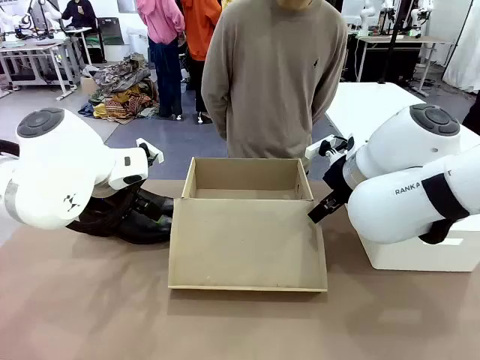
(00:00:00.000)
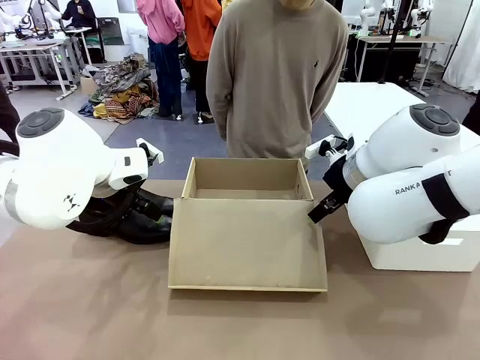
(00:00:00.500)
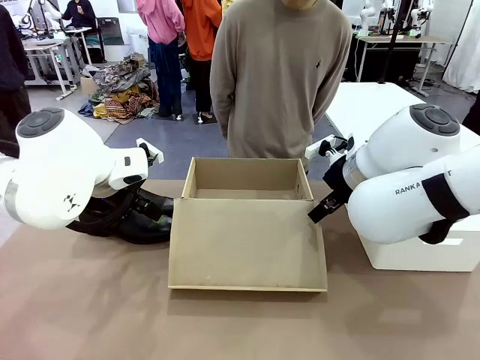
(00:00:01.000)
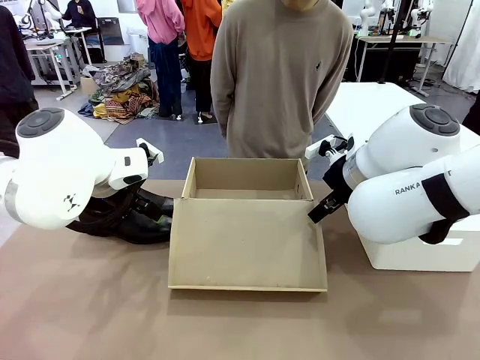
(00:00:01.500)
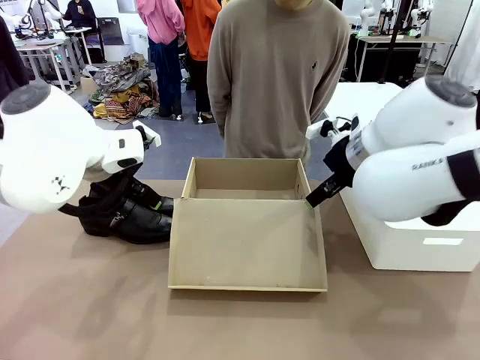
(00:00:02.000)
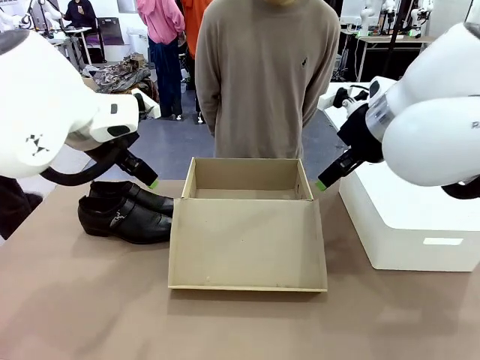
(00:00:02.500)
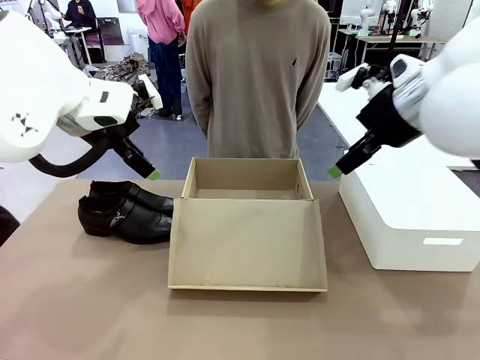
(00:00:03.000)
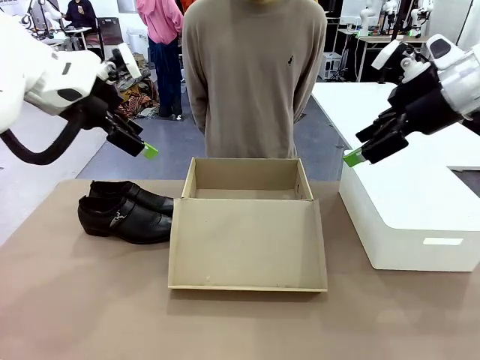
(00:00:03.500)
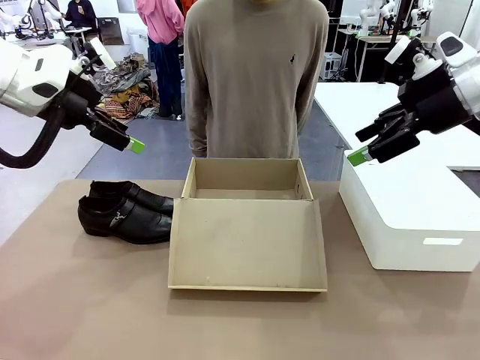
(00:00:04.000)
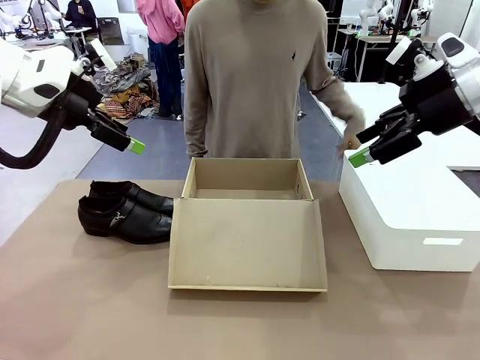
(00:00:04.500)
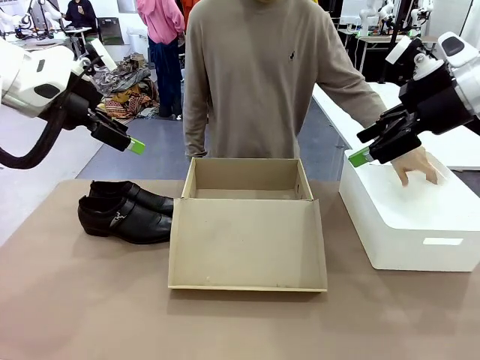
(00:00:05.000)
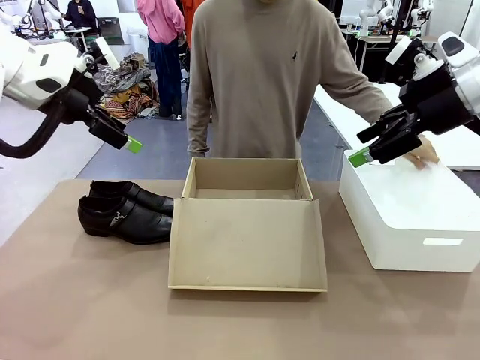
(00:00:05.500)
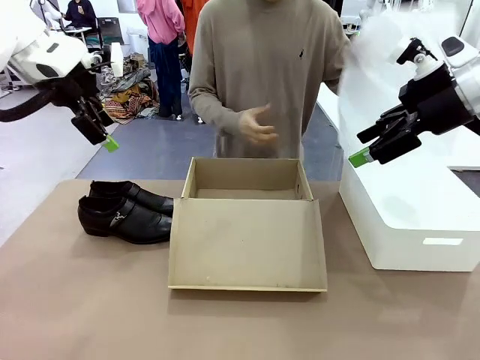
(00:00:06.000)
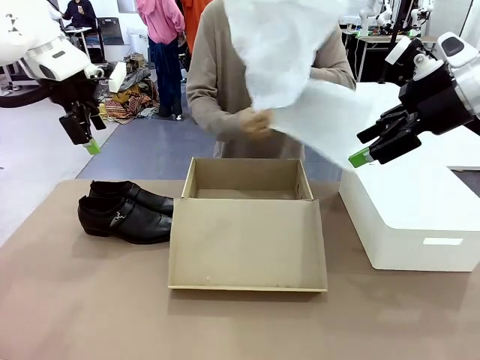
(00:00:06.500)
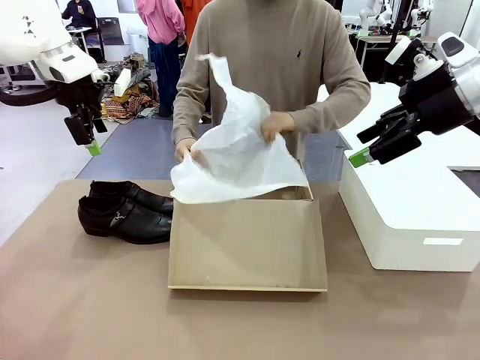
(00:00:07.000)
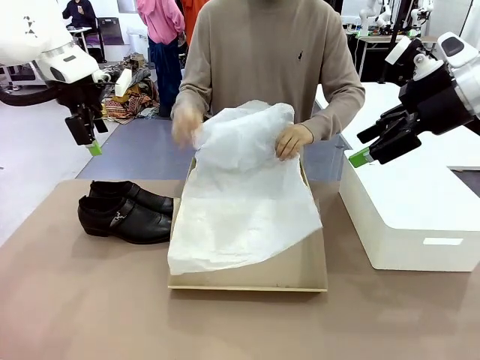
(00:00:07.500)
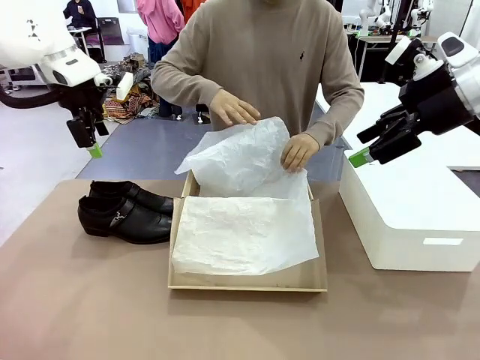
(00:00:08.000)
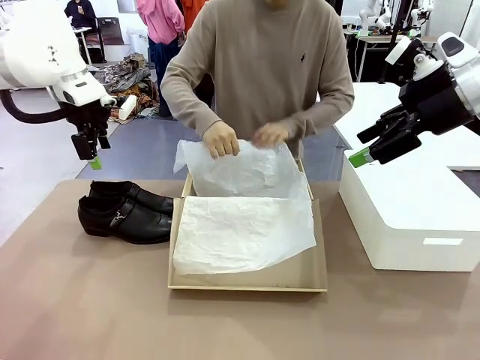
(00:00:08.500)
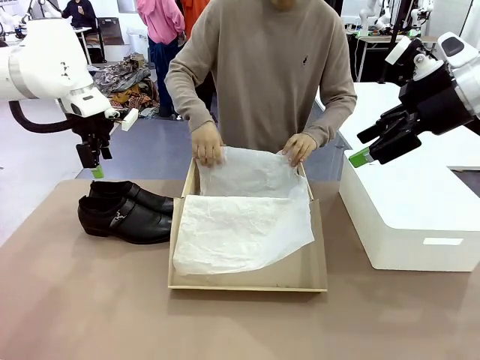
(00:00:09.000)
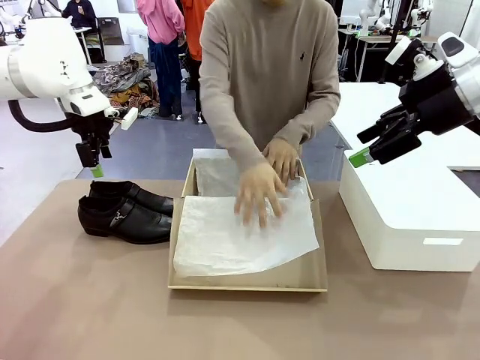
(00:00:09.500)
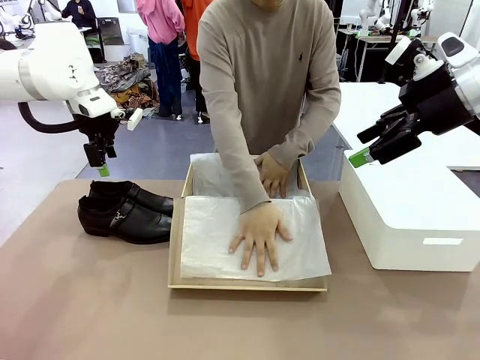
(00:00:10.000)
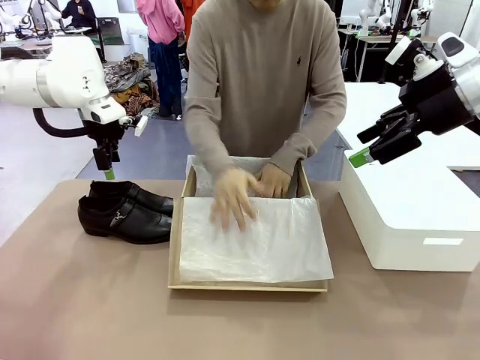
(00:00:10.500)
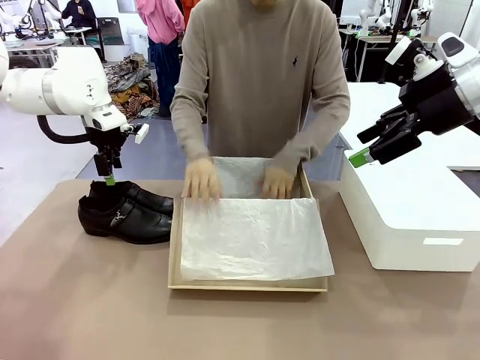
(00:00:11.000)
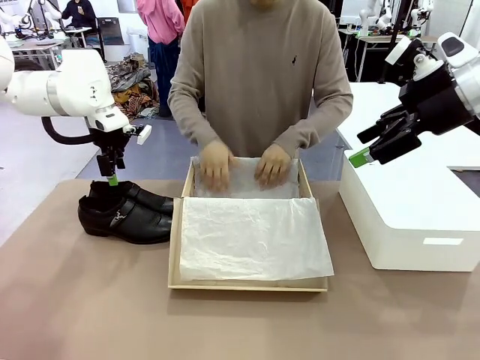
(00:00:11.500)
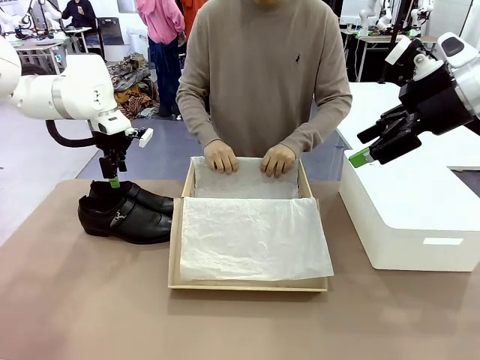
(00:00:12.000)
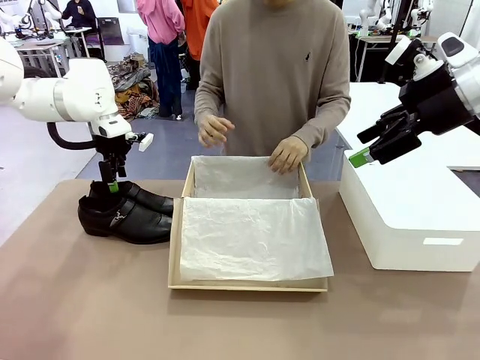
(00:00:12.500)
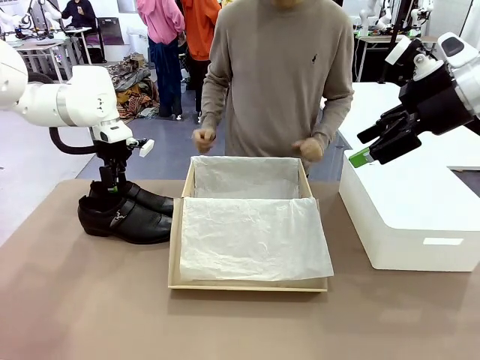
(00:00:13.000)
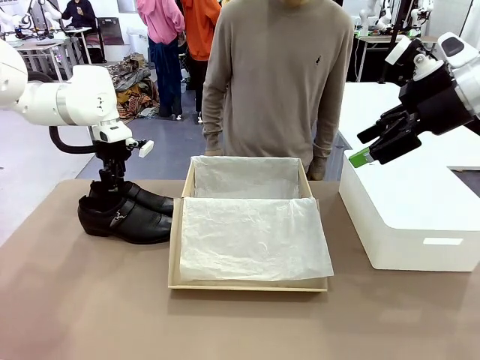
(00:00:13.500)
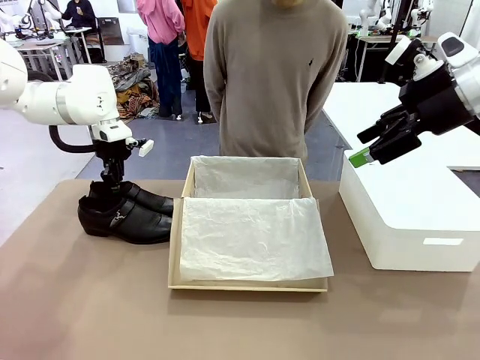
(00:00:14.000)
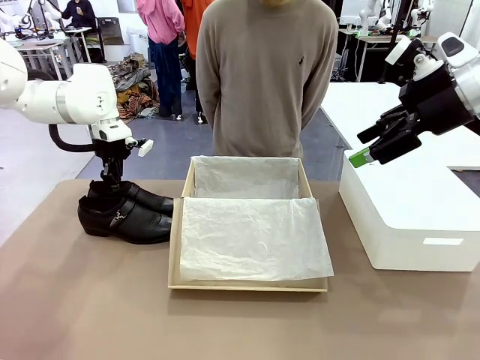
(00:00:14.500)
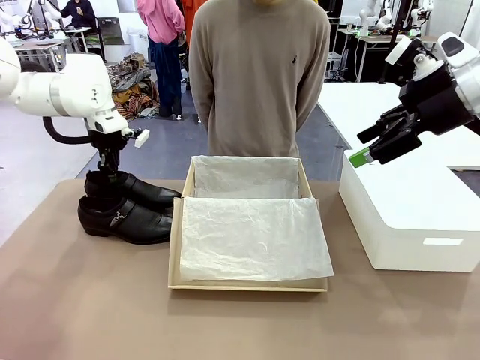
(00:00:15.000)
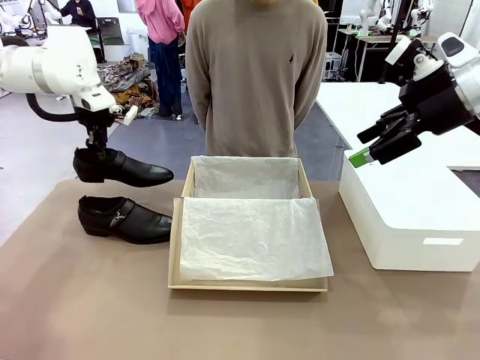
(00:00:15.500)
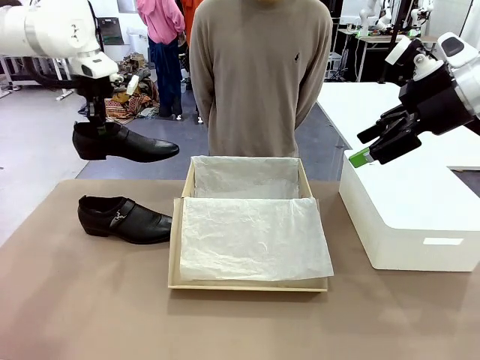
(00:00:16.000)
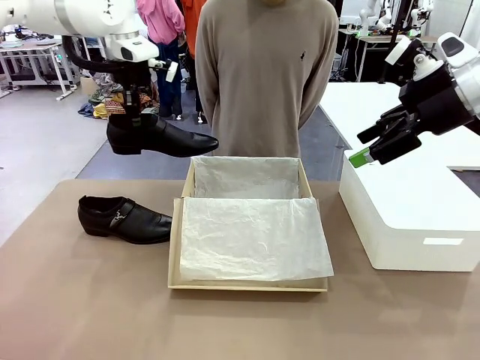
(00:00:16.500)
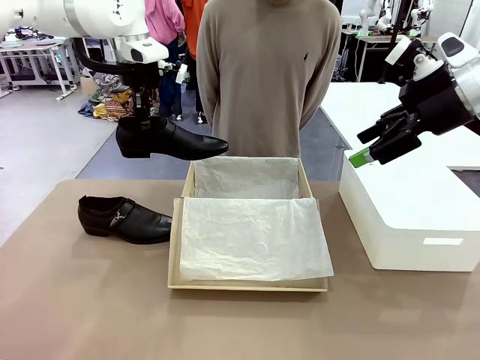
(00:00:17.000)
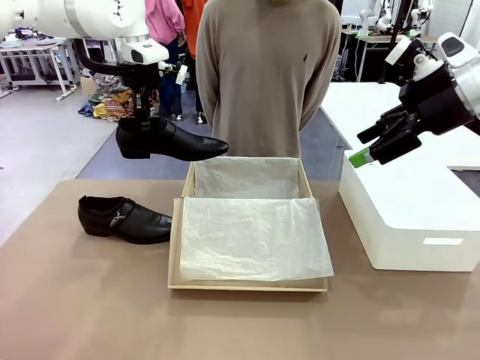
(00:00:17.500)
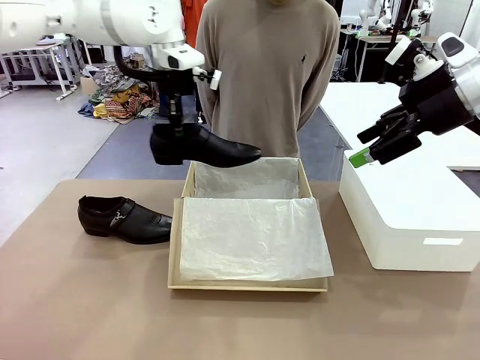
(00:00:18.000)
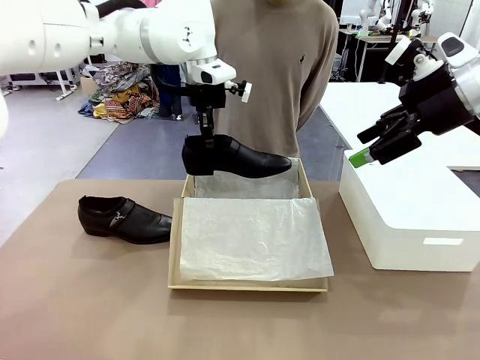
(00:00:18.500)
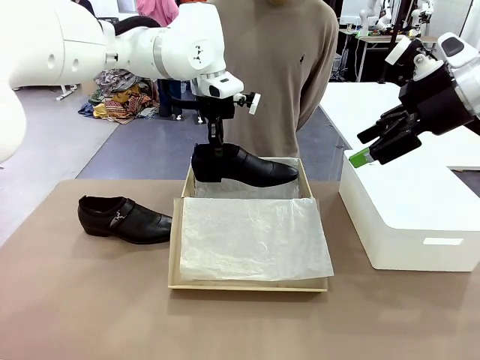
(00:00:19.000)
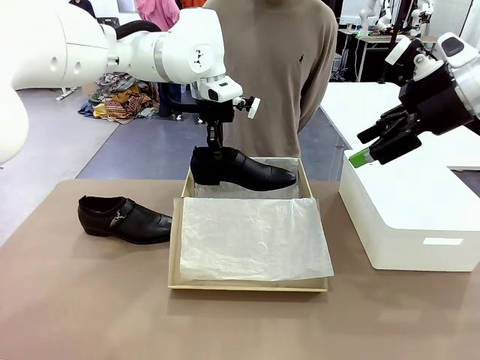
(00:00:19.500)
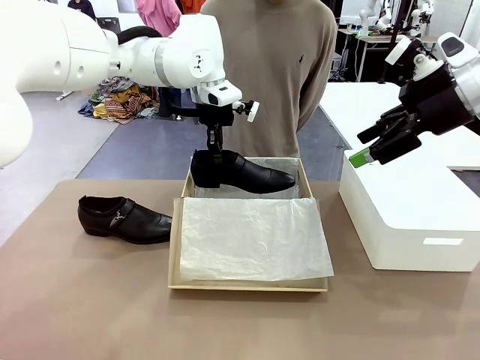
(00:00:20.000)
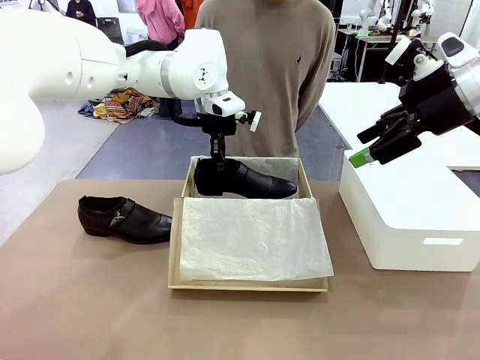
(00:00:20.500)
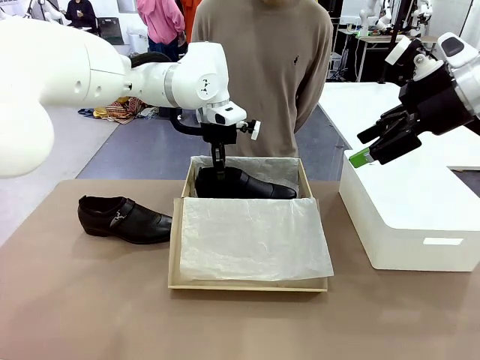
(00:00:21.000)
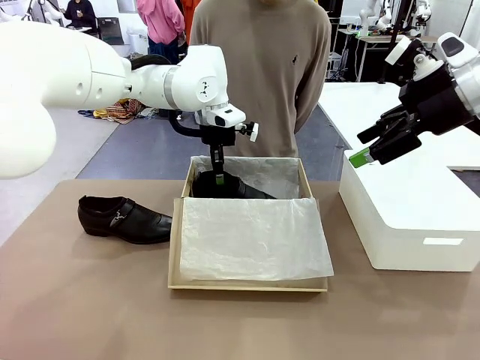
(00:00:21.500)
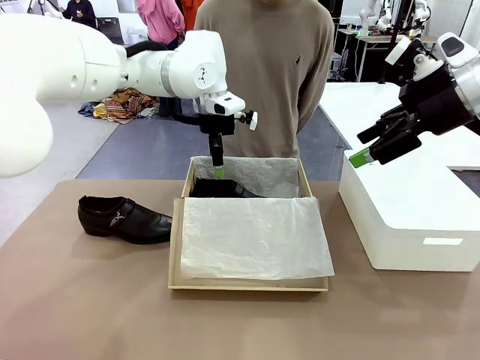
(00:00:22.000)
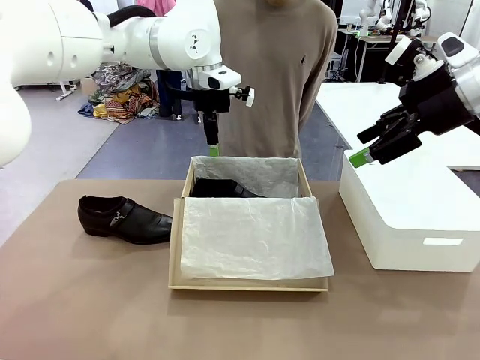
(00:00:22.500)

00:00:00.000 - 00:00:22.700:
Task: Pack the shoes into the box.
Robot: Place one shoe of the Shoes into the Shoes Box.
Person: Spread Shoes Wrapping Paper and place inside the Shoes Box.
